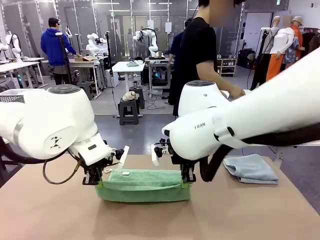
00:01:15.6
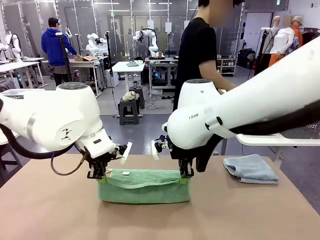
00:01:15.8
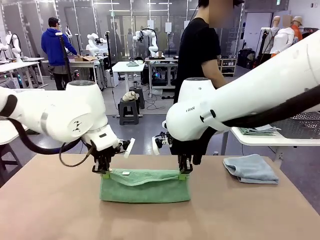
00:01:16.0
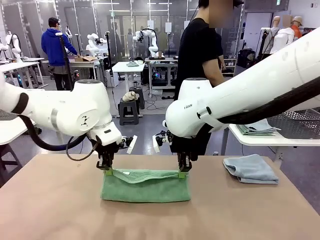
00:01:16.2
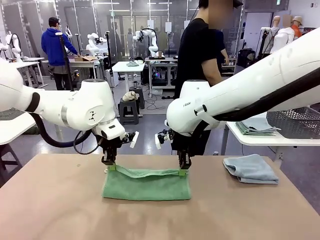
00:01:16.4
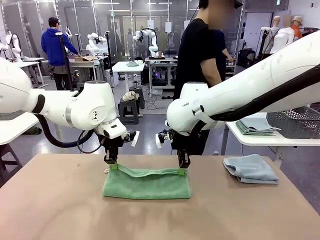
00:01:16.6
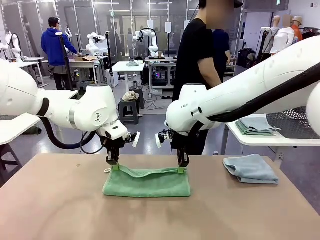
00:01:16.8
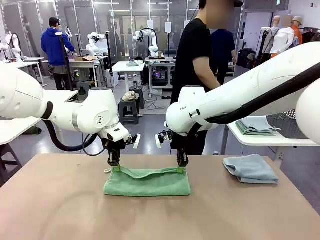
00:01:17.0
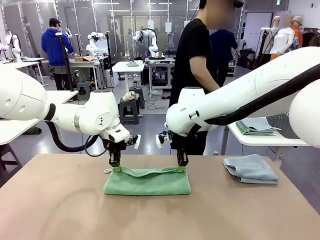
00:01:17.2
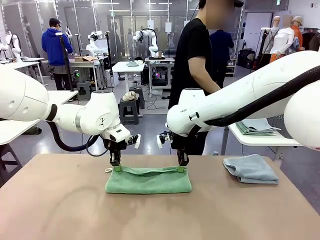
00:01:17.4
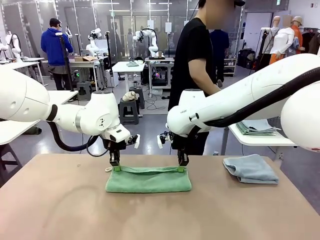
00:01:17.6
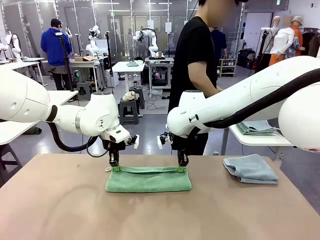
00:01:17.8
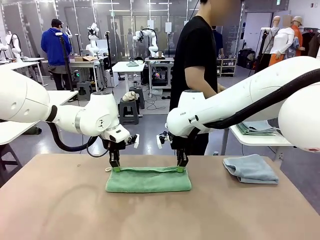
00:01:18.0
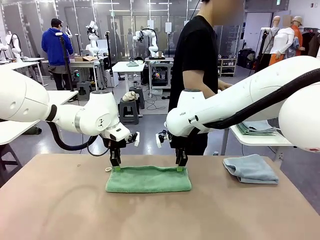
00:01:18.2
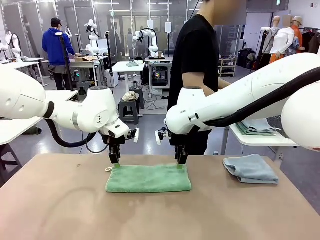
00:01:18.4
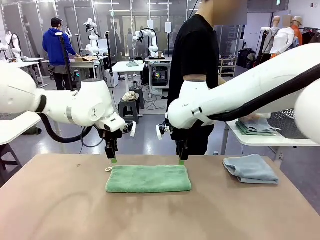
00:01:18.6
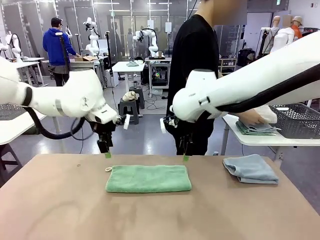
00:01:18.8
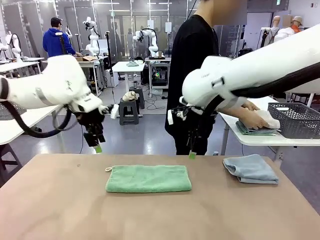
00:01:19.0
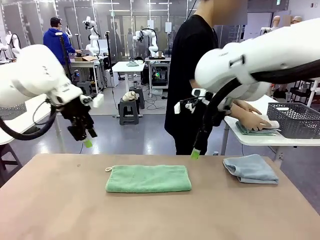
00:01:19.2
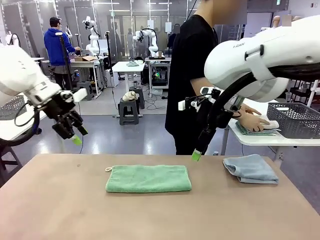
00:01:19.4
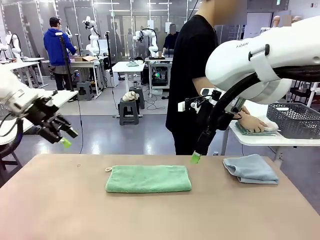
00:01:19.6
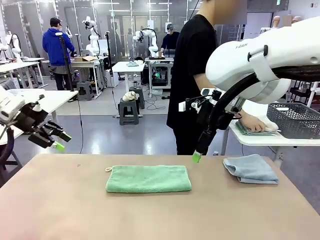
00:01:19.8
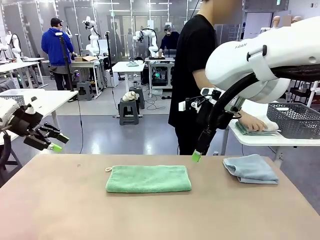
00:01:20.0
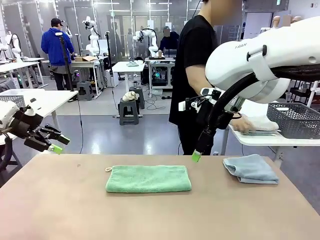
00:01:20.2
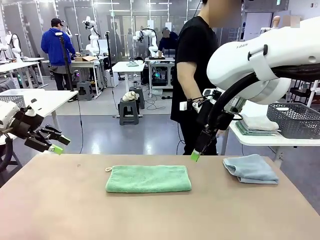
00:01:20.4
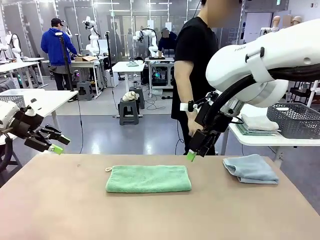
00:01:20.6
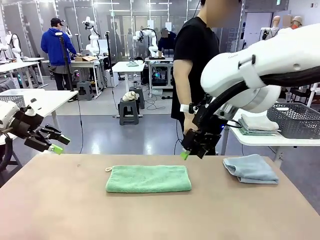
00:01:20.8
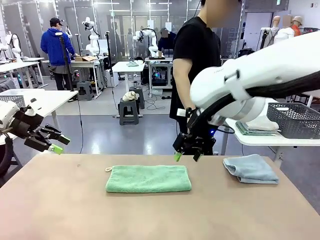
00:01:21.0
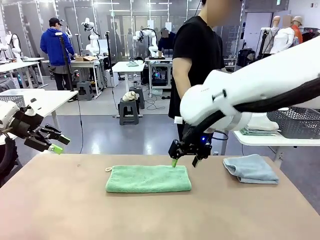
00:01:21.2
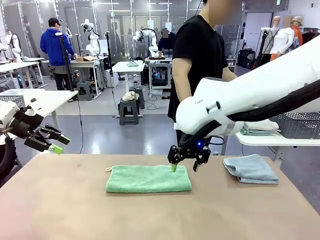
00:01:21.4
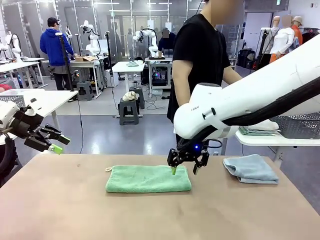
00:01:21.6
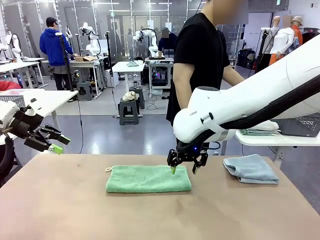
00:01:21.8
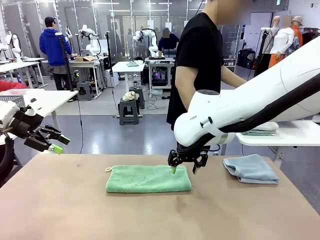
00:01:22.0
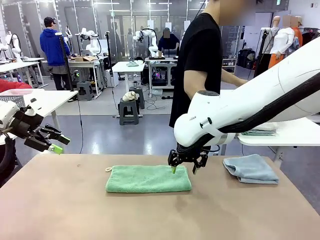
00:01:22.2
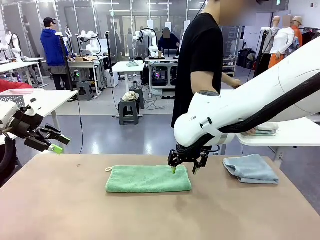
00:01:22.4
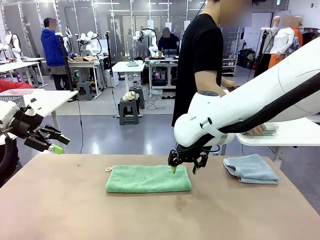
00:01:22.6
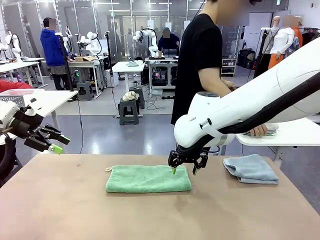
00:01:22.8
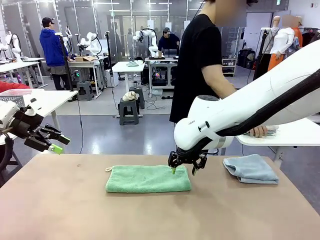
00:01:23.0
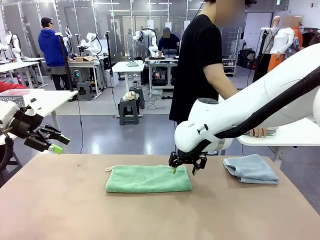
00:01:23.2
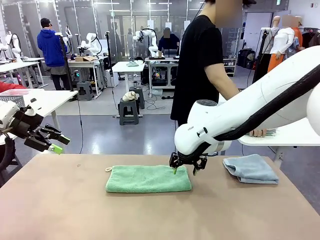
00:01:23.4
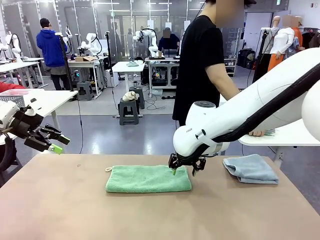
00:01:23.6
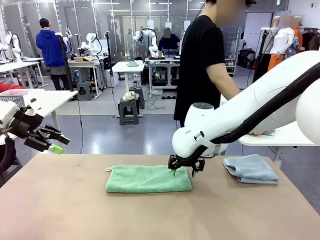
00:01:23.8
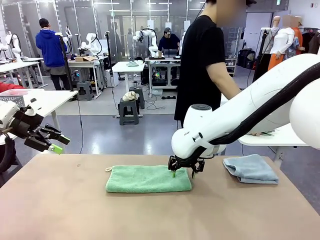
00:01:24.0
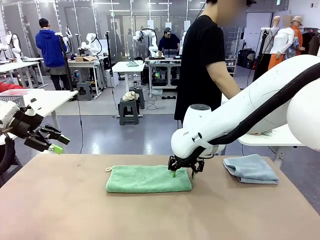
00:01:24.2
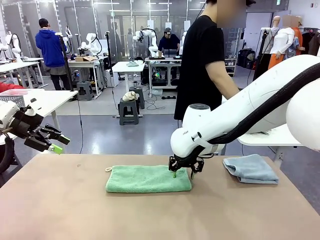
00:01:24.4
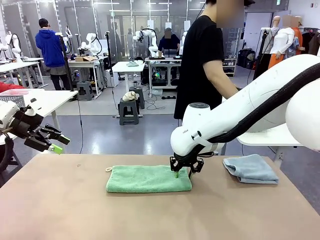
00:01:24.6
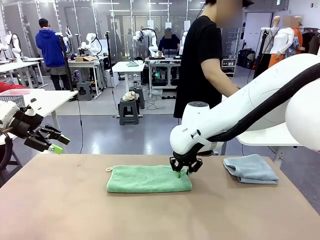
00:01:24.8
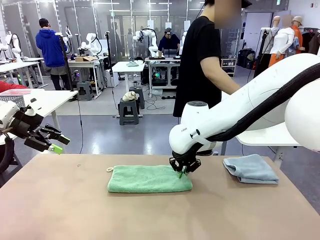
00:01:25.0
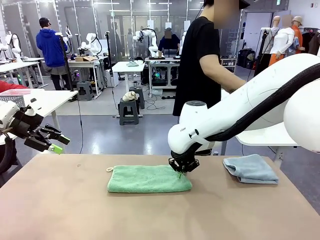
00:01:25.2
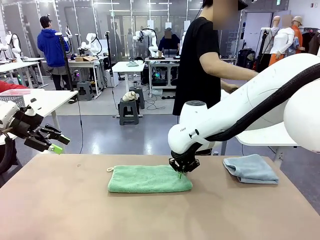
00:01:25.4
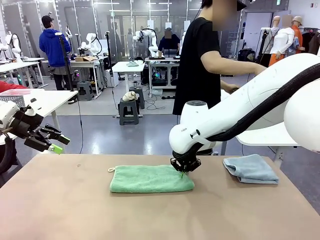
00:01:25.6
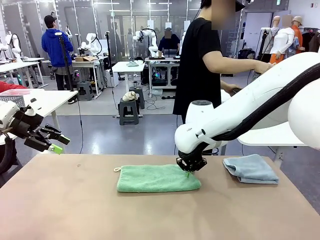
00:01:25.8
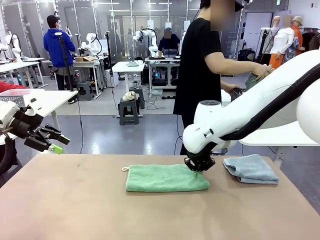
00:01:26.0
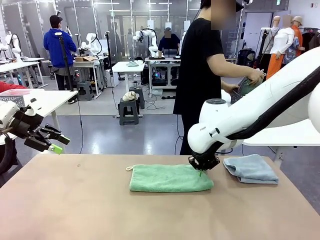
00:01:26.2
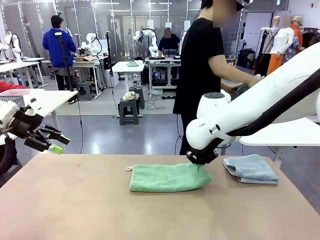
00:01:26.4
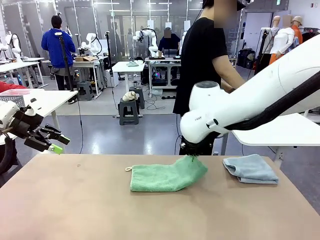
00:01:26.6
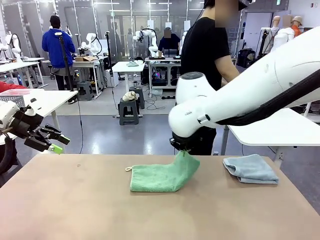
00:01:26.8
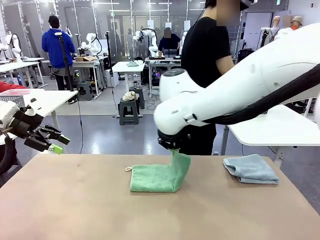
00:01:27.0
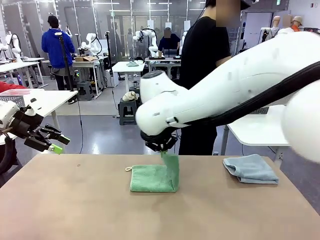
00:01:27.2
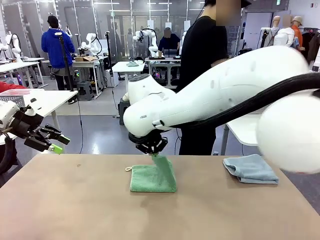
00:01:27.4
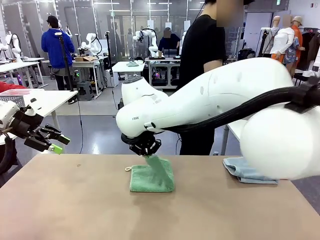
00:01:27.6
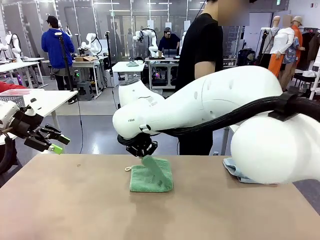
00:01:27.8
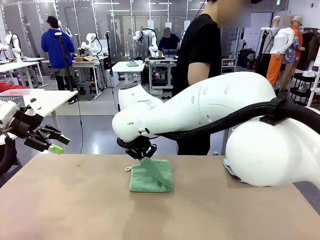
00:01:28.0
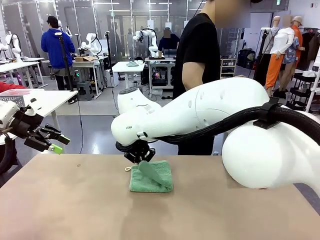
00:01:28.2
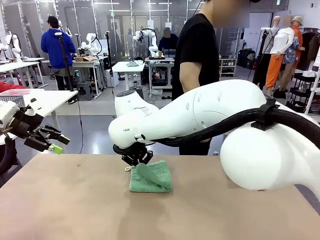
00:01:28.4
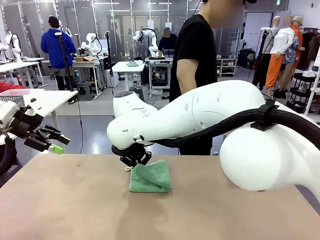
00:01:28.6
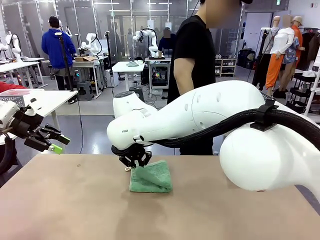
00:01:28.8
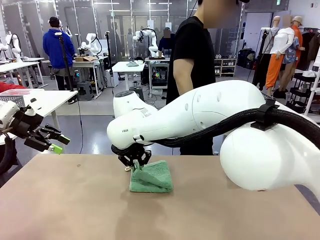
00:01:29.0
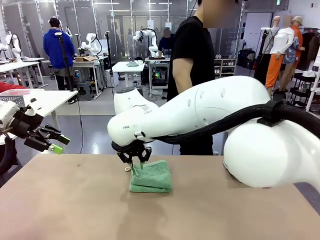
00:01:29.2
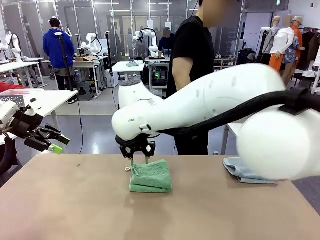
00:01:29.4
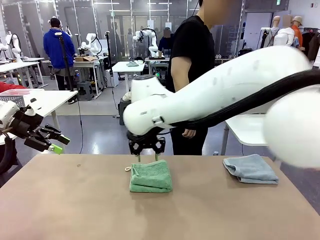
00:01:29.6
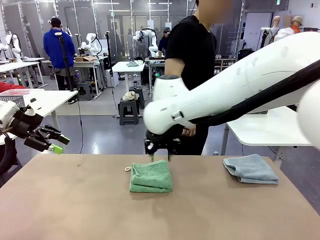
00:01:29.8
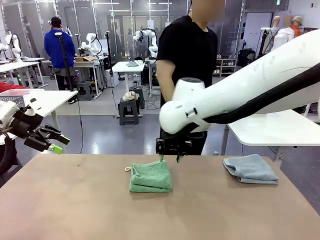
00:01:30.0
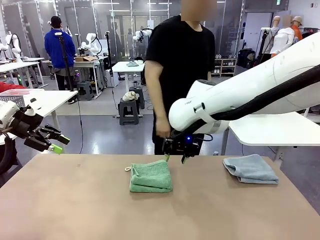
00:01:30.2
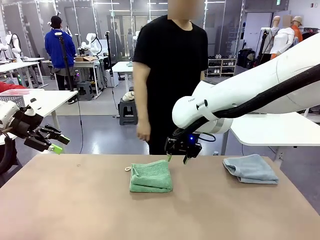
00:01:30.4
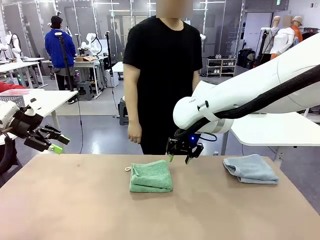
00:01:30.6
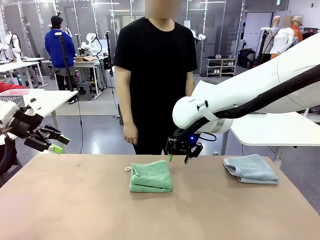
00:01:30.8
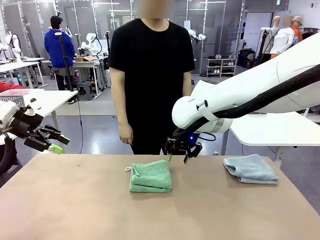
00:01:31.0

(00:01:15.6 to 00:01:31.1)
Task: Fold the towels and place them in the basket.
Robot: When a person lays out a Towel with hook on the table, fold it in half twice.
Person: Pick up the stack of towels from the right side of the human table, place it into the basket, and put the basket at the center of the table.

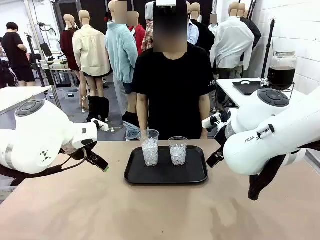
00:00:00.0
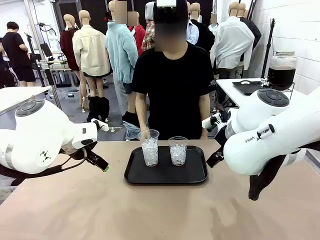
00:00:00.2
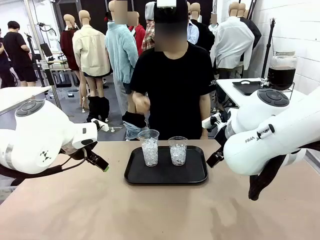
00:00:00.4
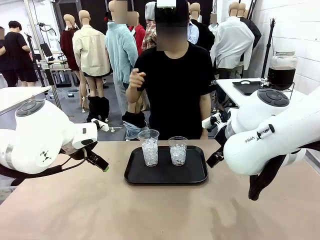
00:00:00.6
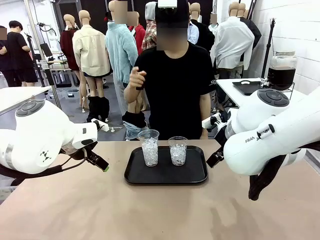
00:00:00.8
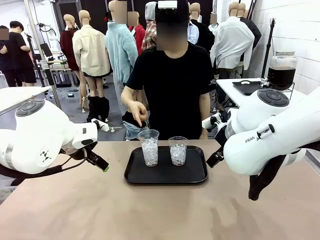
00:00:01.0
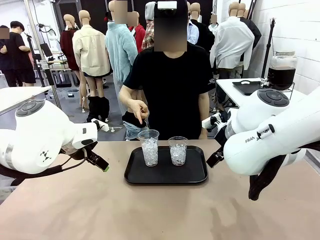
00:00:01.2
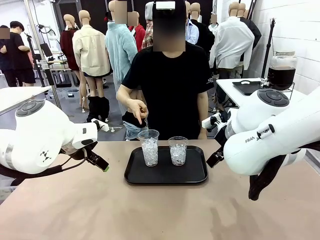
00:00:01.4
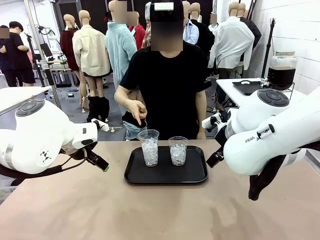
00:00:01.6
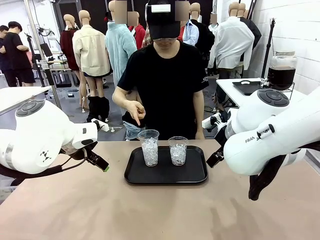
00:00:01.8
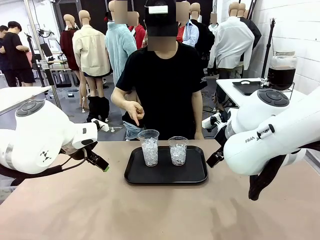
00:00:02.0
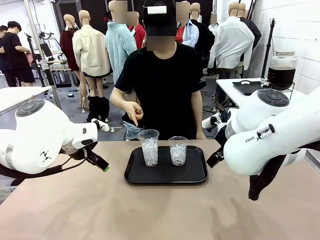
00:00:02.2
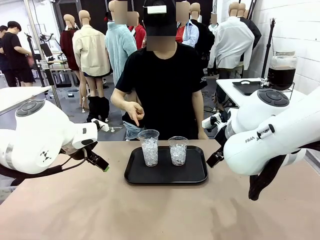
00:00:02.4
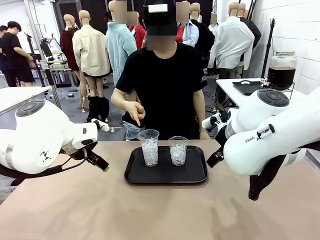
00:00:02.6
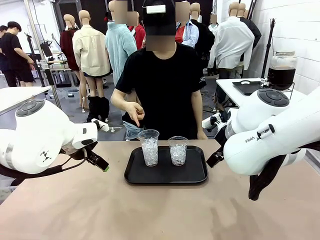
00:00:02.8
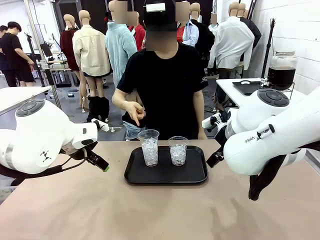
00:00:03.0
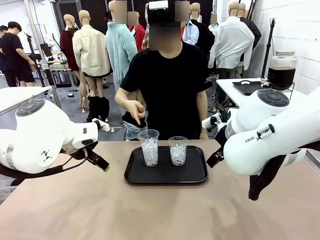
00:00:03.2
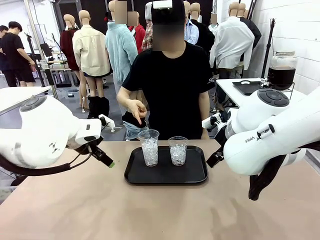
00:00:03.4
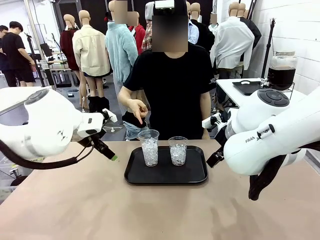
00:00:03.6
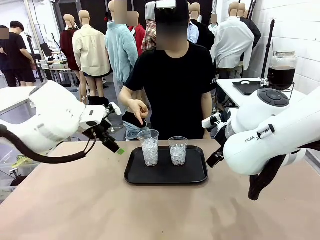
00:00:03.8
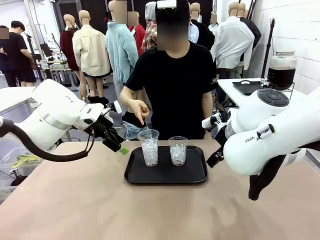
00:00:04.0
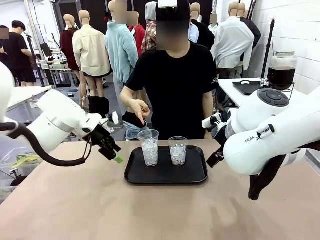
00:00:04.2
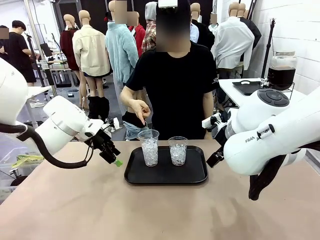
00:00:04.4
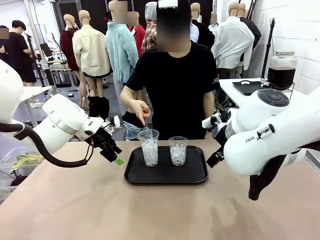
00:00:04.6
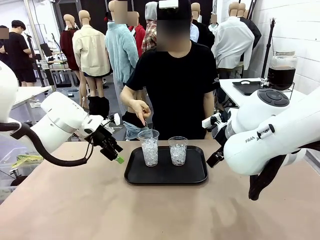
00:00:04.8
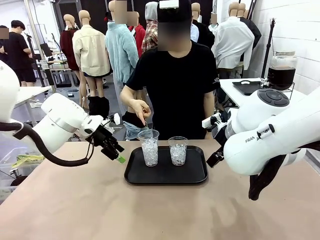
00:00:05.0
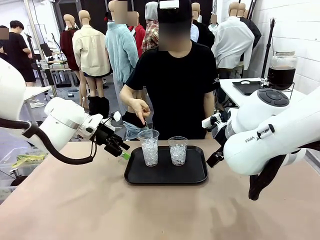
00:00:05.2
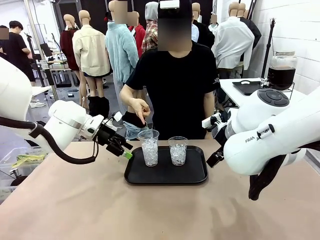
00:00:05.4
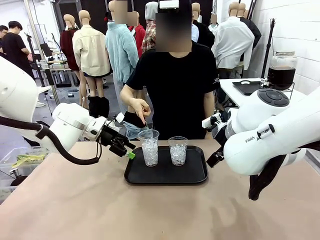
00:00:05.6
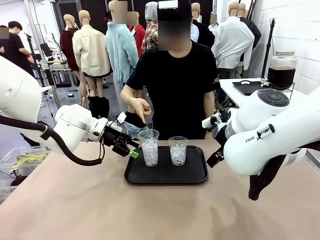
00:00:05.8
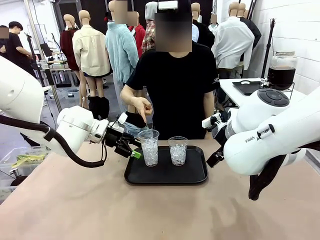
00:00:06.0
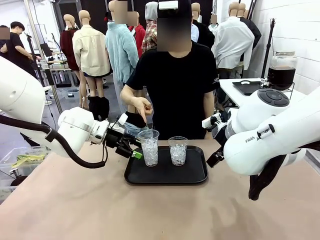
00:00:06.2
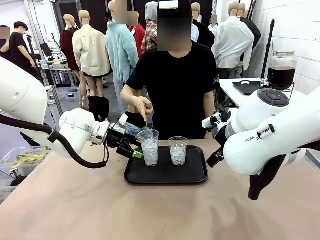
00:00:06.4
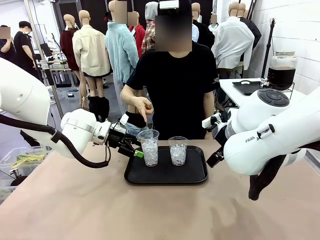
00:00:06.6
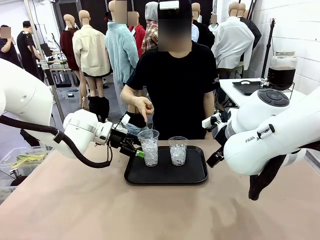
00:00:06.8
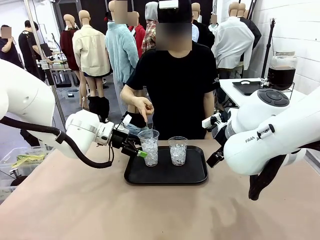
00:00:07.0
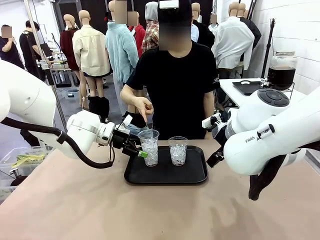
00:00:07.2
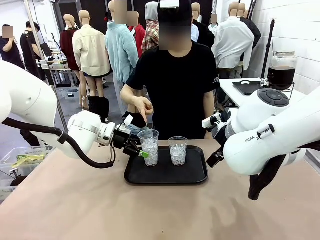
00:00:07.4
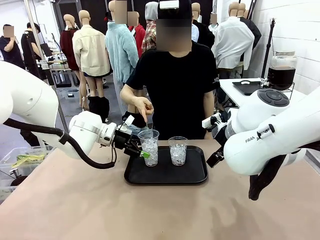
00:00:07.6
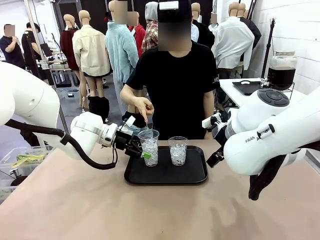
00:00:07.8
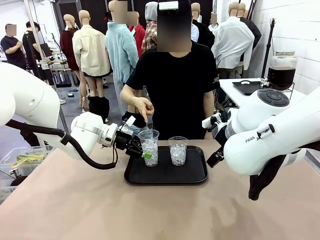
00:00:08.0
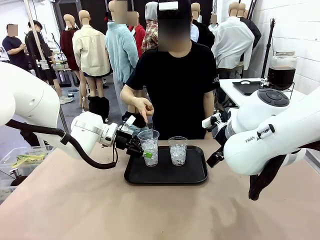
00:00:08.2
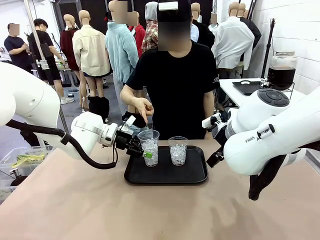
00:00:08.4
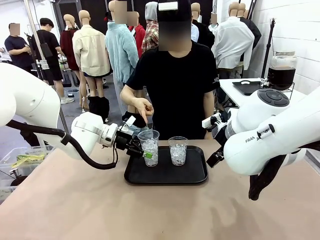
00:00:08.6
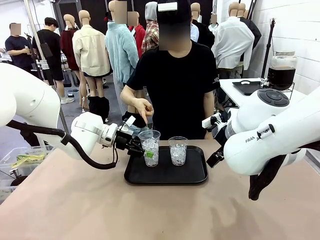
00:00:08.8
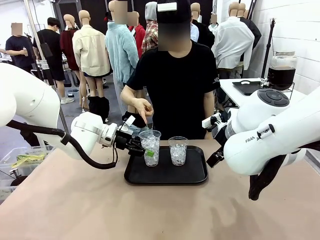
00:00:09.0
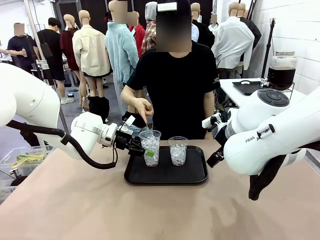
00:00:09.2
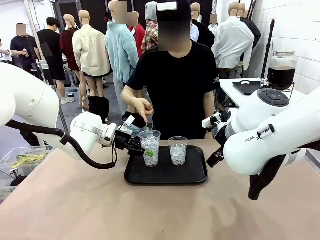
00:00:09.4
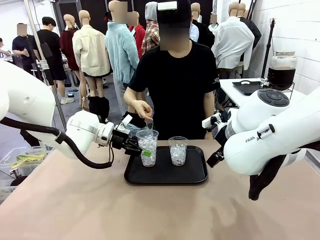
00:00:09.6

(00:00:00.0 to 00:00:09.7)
Task: Pour the drink into the iced cup.
Robot: Pick up the iced cup indicated by the human and present it to them.
Person: Point to one of the two ice cups. Pick up the cup offered by the robot.
